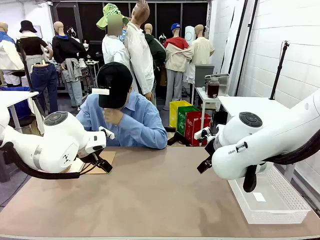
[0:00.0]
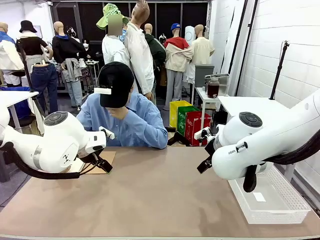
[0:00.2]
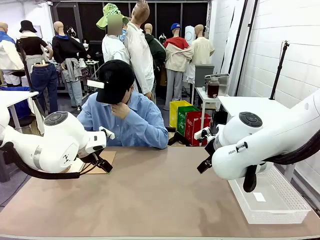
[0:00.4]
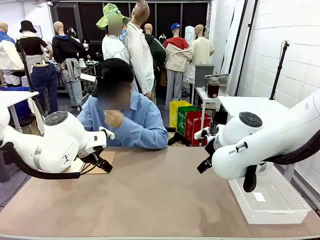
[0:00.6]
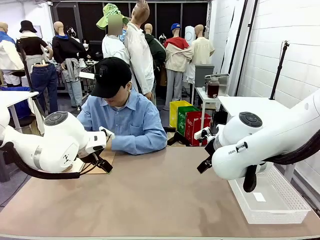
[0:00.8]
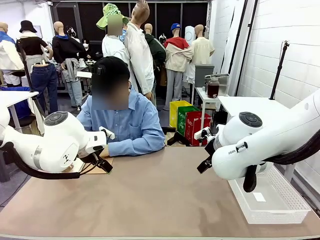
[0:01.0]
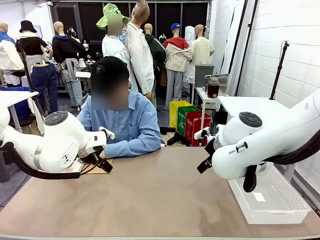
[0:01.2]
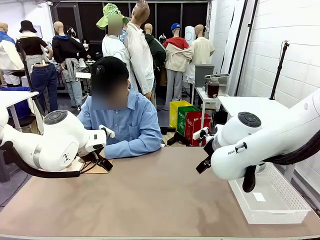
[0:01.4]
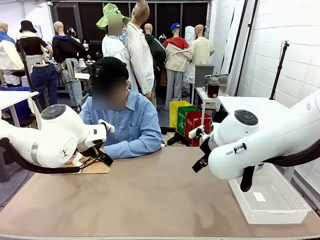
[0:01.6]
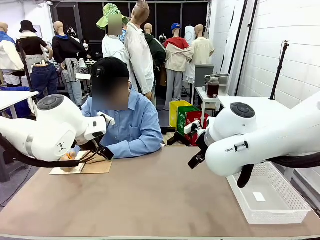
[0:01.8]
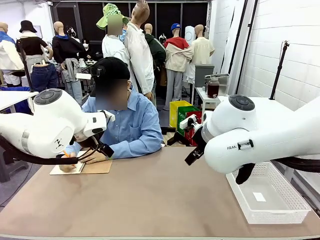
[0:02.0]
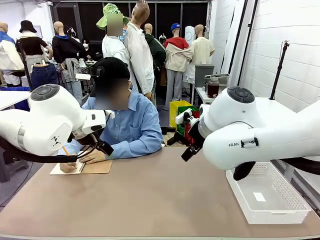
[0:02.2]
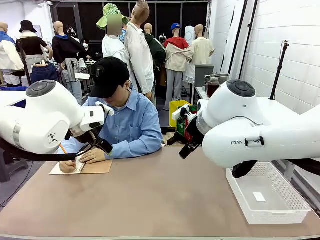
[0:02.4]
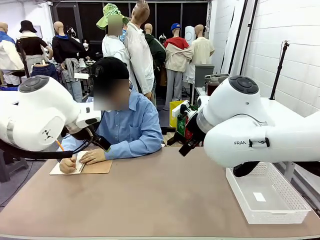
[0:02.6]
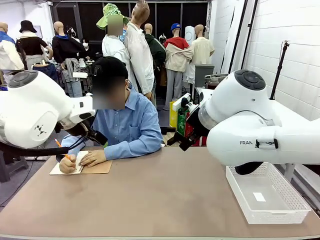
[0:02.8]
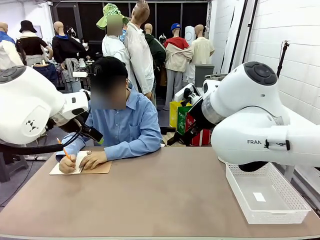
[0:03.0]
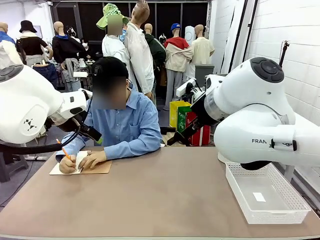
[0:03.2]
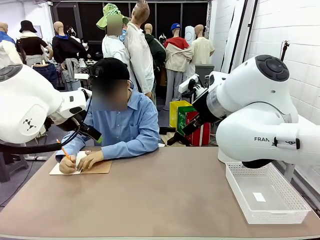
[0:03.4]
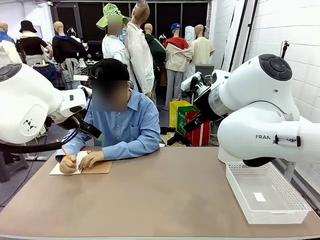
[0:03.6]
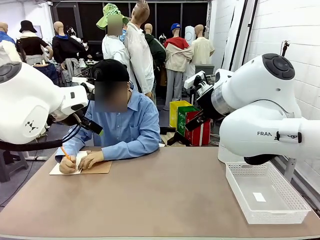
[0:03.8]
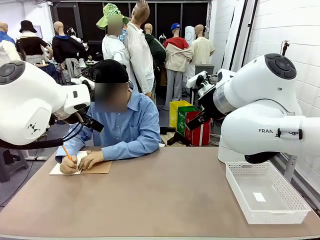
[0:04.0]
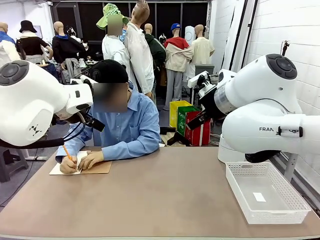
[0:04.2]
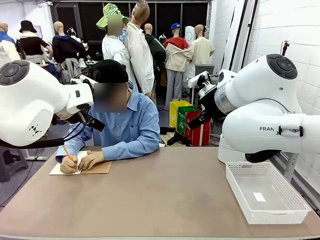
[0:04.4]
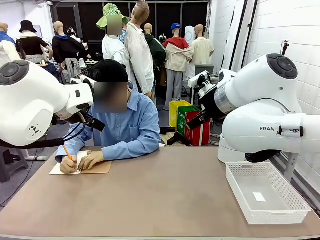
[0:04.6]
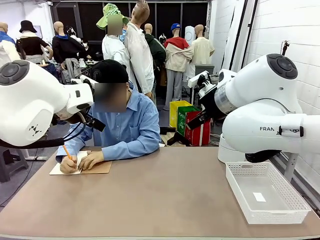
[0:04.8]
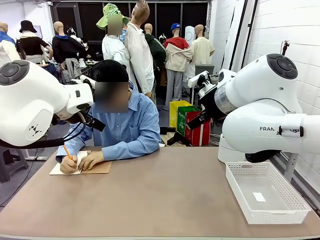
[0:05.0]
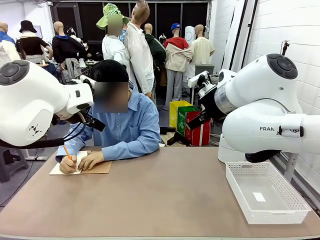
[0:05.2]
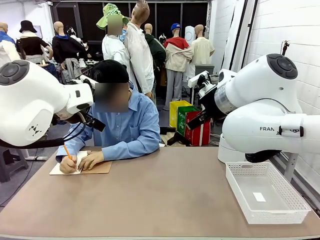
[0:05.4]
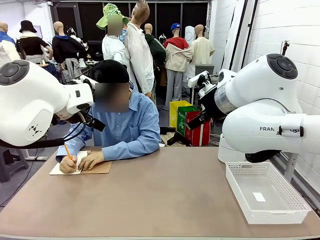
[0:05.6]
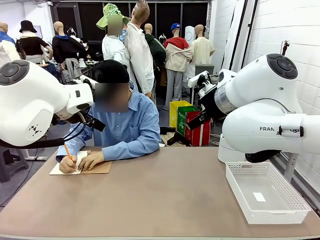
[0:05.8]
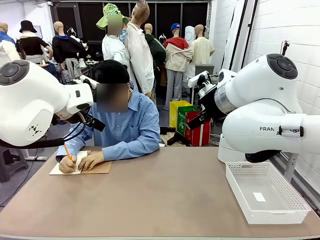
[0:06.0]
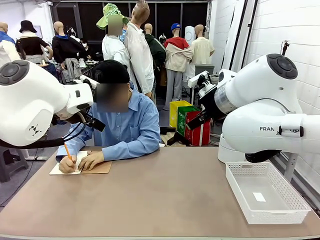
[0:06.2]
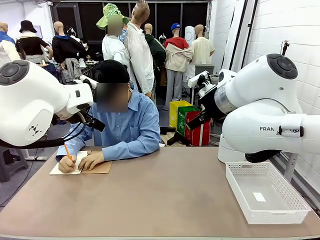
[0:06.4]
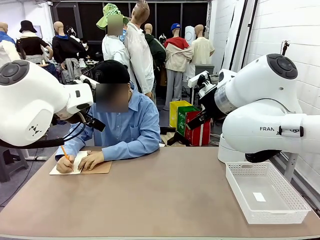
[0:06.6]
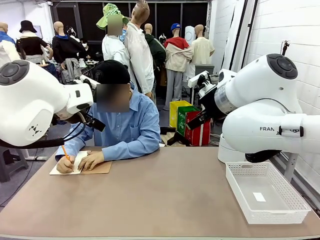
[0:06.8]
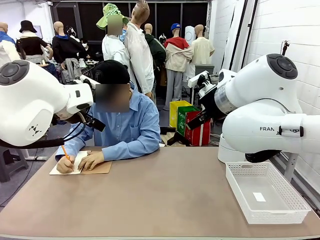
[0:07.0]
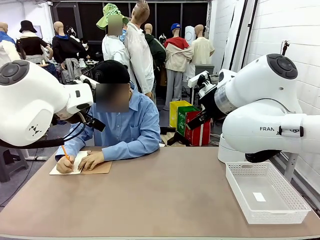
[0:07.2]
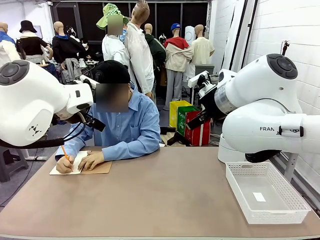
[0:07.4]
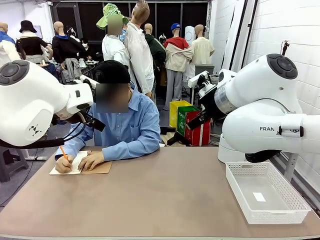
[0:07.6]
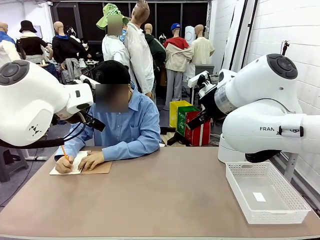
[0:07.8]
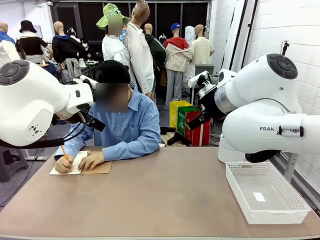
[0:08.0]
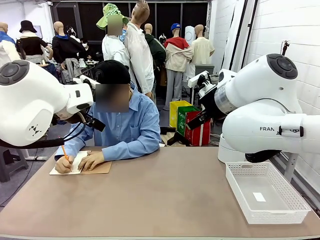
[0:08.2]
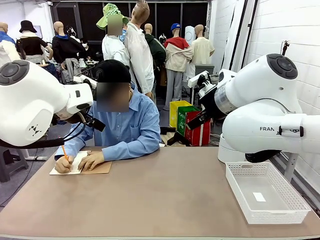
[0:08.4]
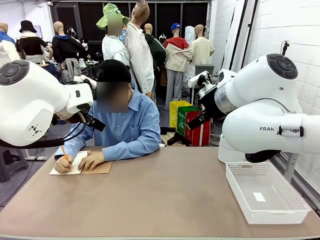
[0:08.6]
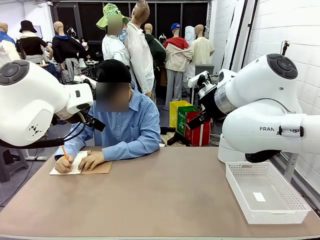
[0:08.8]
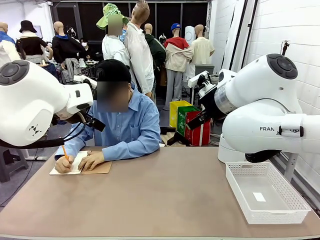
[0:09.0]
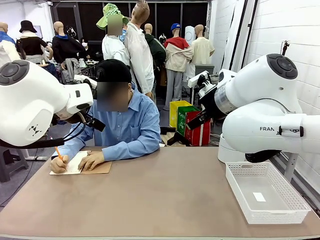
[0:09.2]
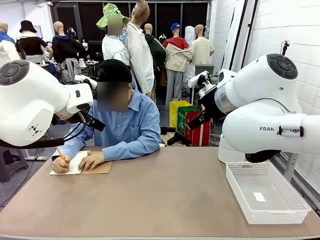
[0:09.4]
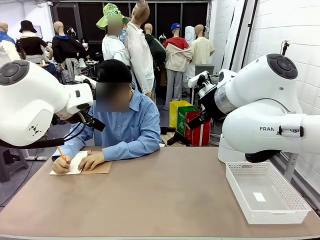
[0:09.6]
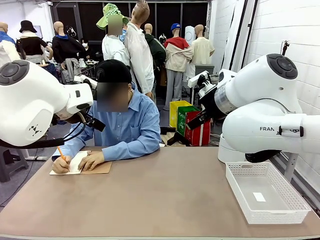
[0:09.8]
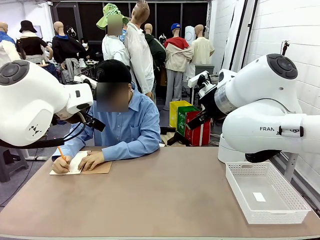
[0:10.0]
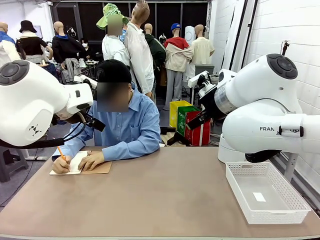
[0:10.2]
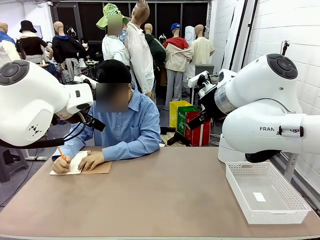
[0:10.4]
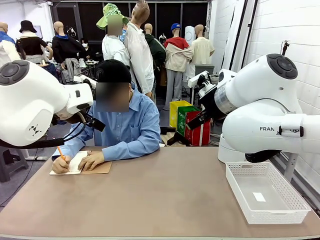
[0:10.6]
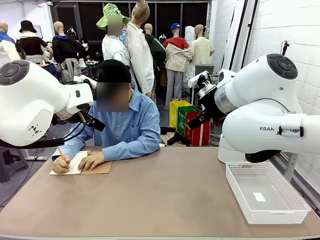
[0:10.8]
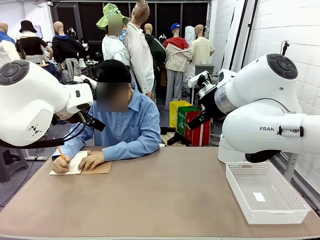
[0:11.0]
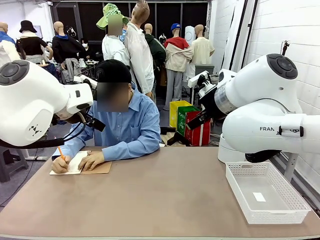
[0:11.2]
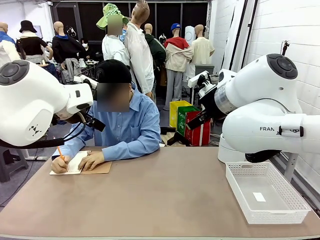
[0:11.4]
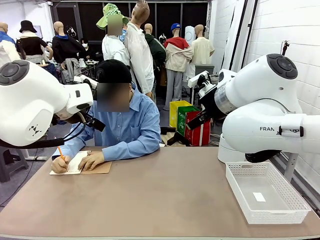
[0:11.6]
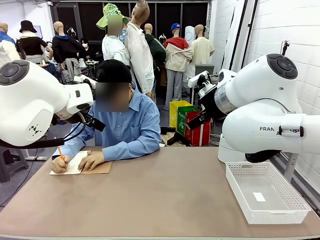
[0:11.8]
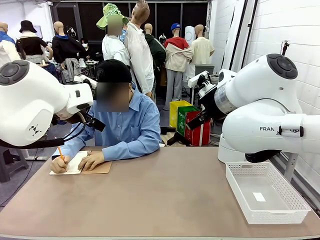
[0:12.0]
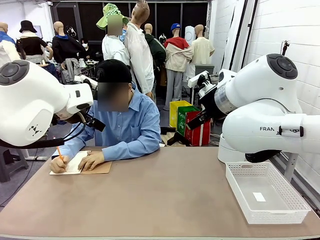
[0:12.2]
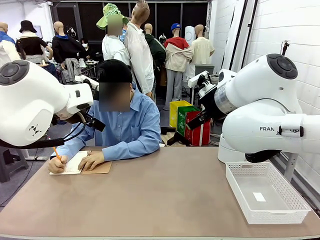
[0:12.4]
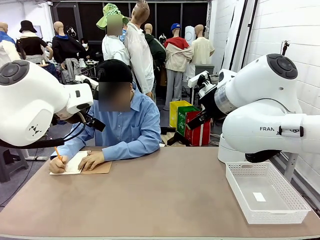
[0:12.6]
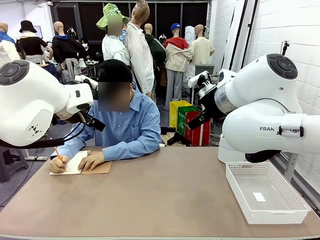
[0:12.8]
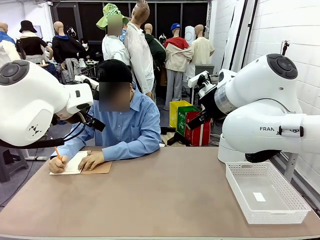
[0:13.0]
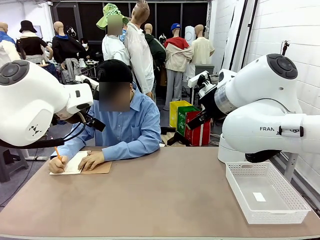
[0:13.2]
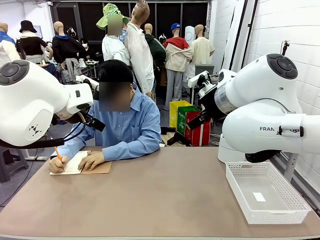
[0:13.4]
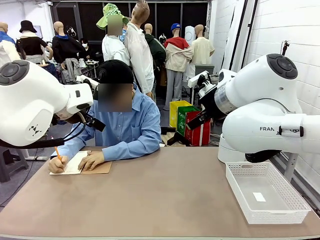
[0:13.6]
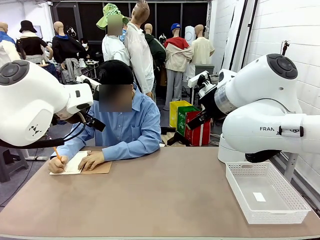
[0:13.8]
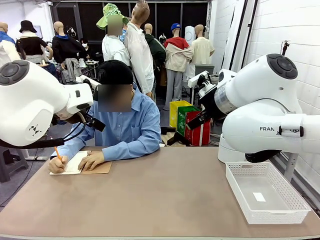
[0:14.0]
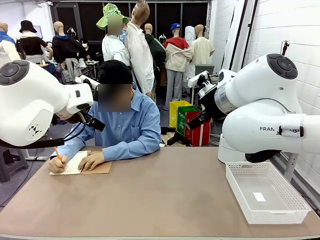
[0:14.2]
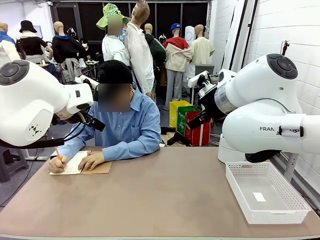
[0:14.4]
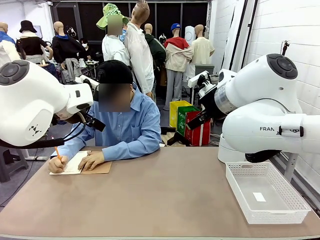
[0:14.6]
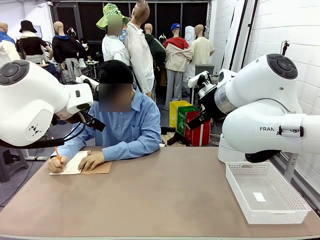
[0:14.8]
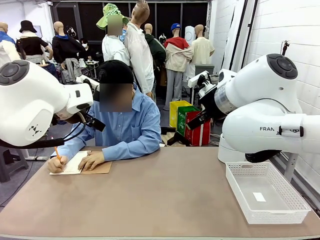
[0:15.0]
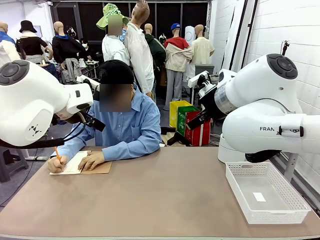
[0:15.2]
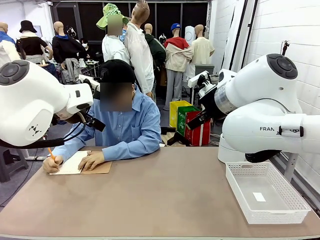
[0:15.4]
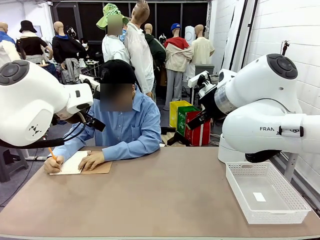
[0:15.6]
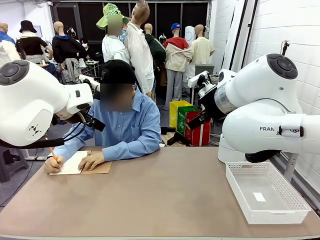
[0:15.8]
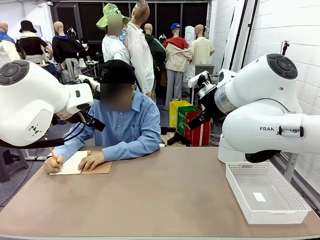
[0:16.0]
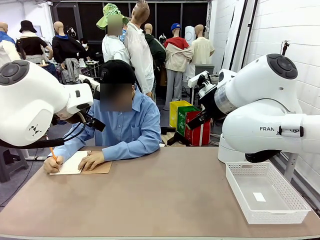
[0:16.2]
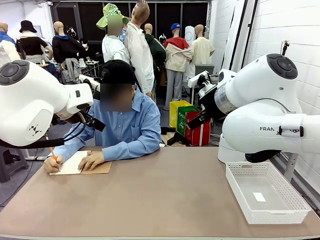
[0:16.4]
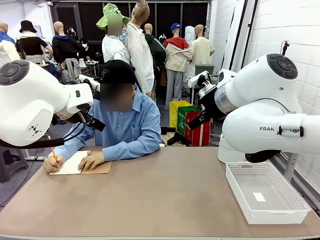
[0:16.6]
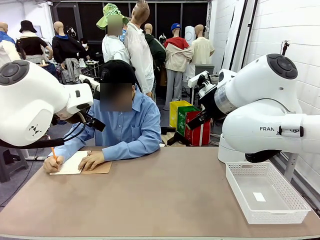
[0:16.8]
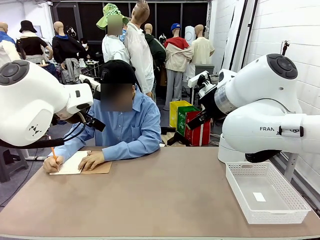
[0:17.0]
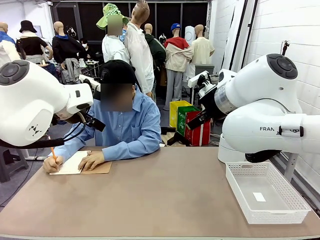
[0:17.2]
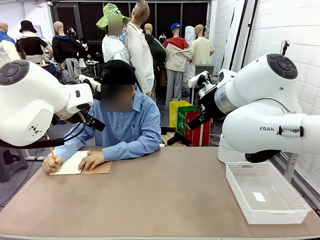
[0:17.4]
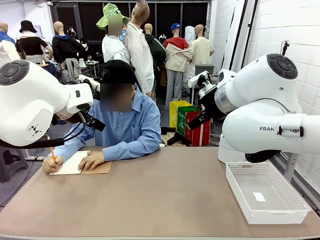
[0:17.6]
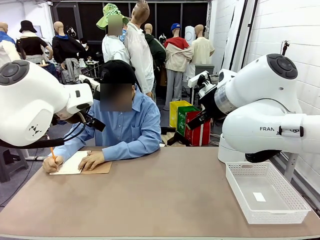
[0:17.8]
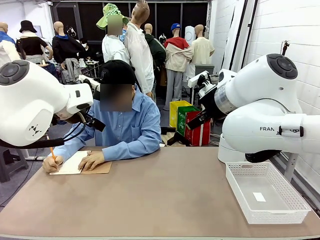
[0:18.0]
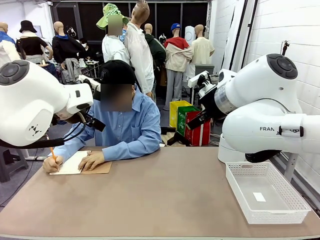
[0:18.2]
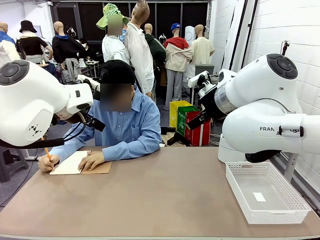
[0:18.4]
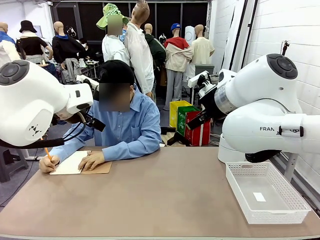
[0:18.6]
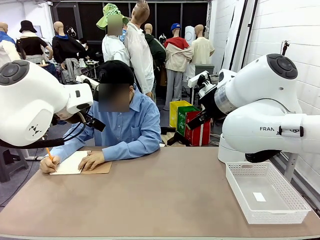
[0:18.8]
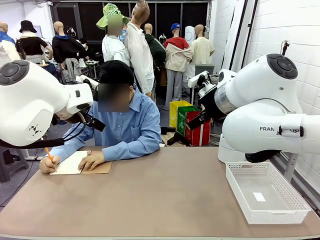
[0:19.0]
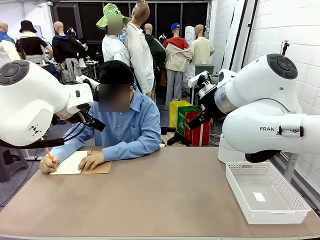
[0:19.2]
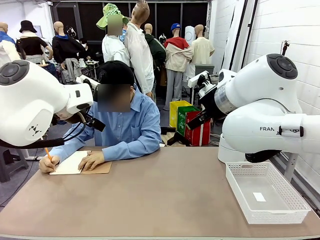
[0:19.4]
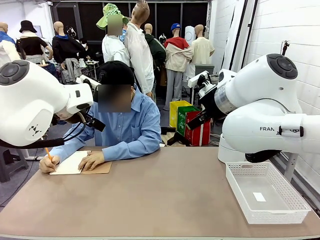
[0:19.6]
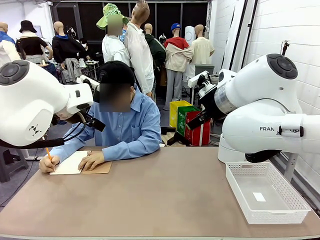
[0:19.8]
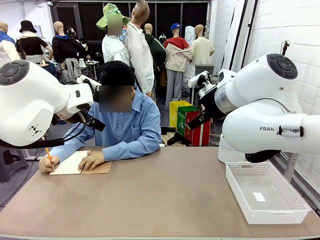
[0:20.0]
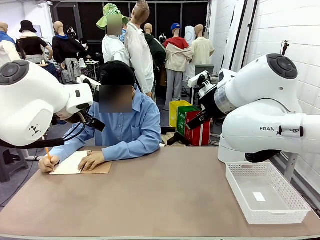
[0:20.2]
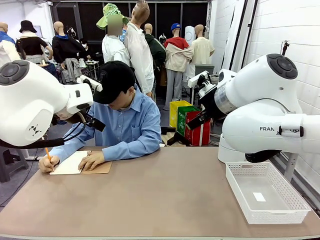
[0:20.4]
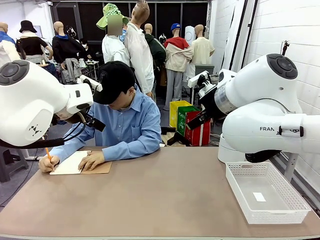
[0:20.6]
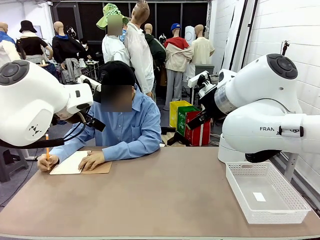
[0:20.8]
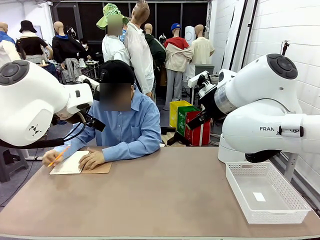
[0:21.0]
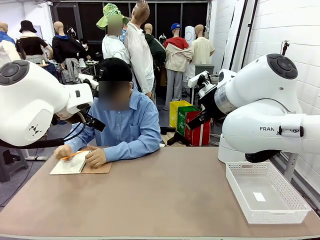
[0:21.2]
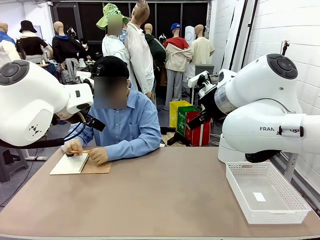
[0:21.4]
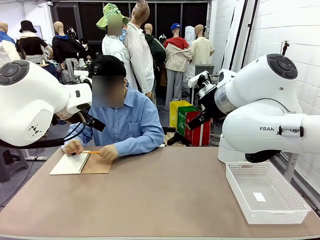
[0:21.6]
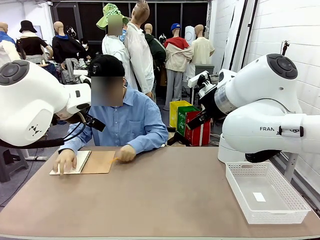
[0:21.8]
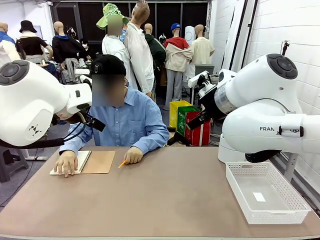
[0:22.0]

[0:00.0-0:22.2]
Task: Sort the paper based on its condition.
Robot: If a person hands you a paper, place it in the Organizing basket , and if it's crumpled, put it in the Trash can.
Person: Tear out a page from the spiral notebook.
